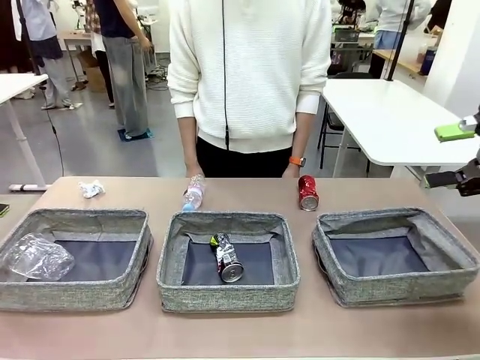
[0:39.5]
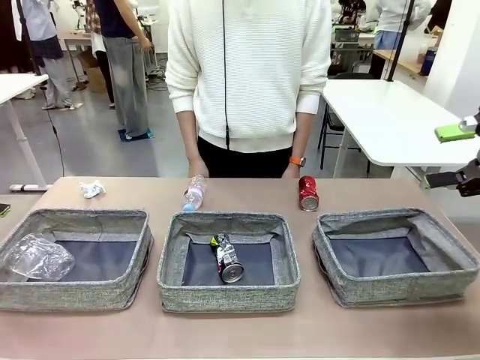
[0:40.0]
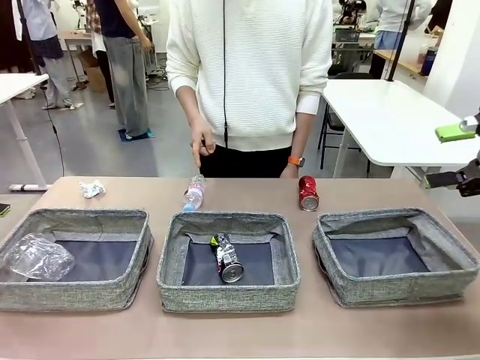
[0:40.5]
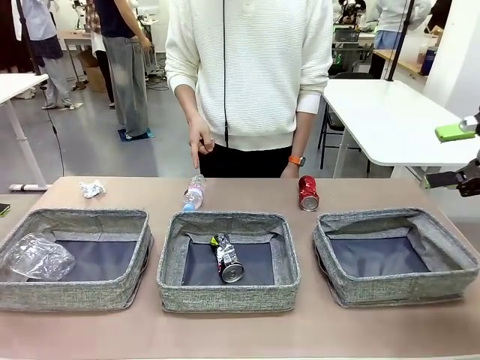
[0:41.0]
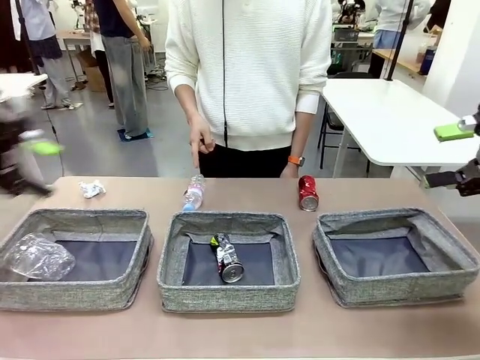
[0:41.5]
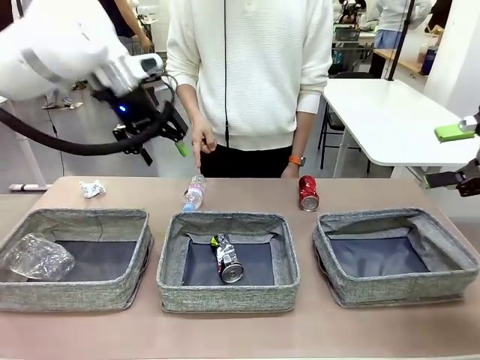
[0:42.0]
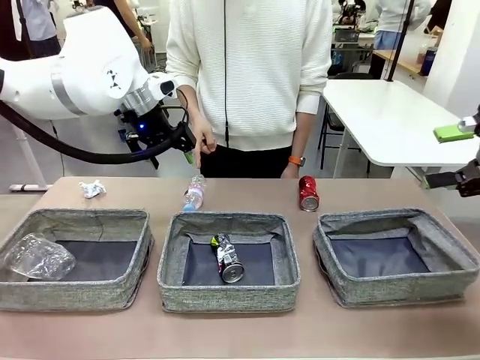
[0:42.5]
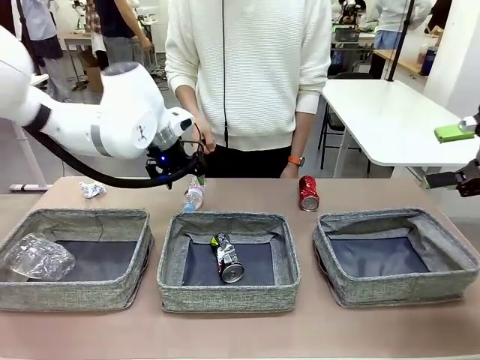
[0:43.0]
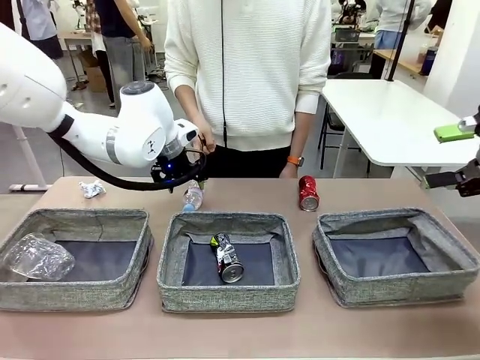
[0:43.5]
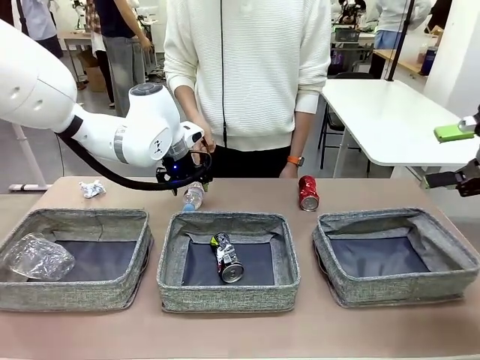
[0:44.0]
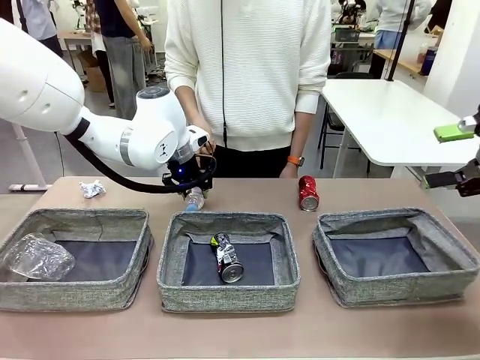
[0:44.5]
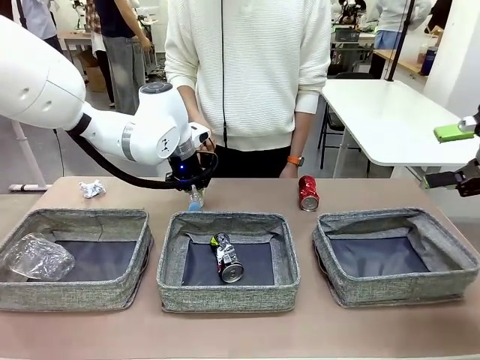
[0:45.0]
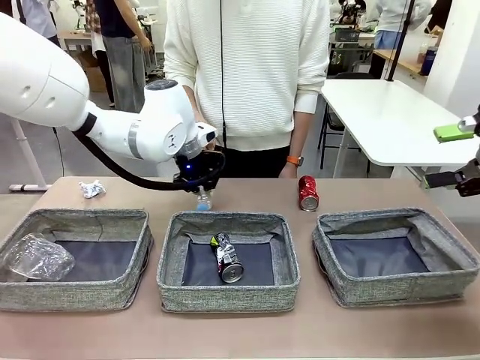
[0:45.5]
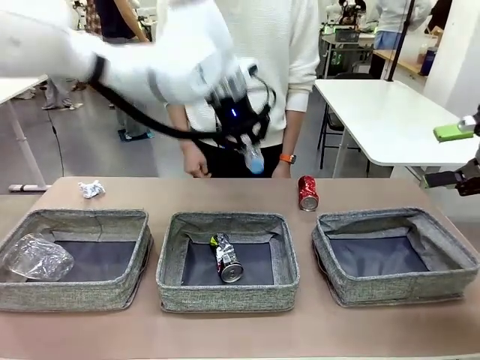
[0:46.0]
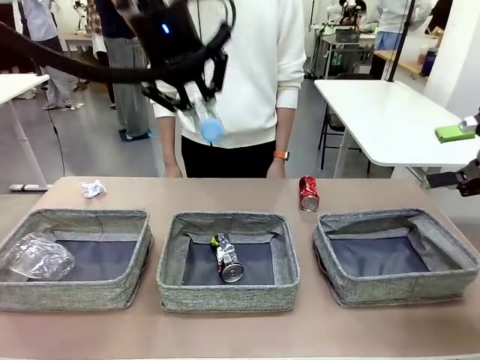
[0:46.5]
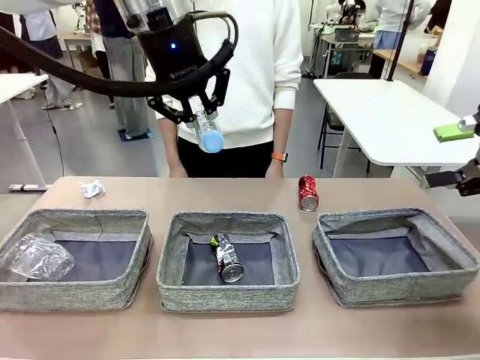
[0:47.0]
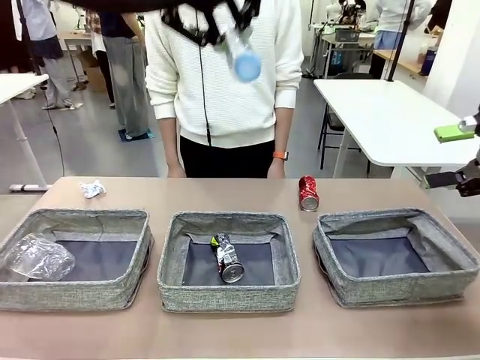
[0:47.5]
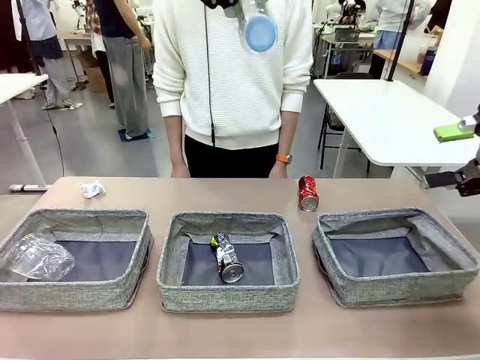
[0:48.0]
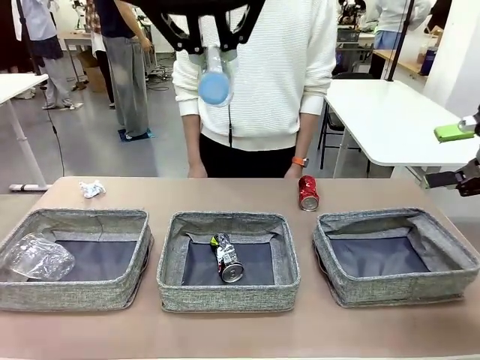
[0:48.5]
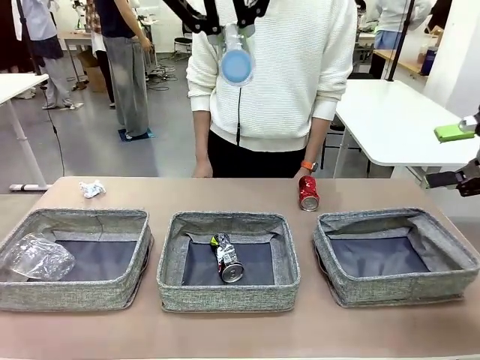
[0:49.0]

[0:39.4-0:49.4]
Task: Sort the waste into the appropriate baskets.
Robot: Pick up the waste item pointed out by the person.
Person: Points to one piece of trash on the table.

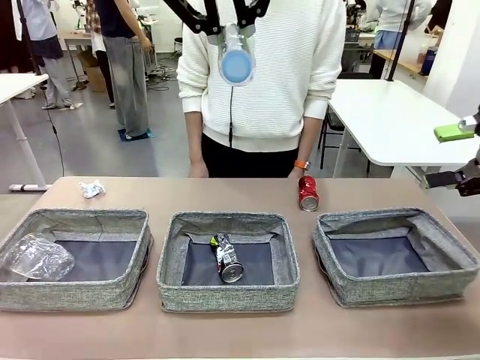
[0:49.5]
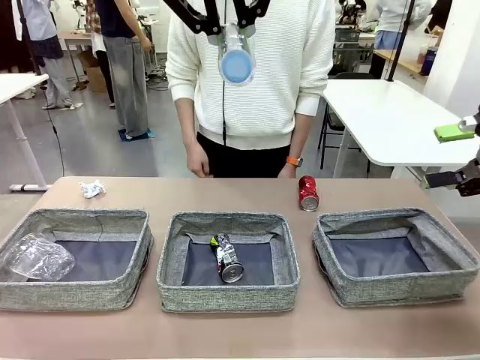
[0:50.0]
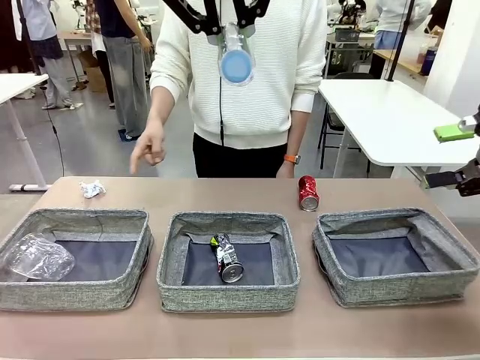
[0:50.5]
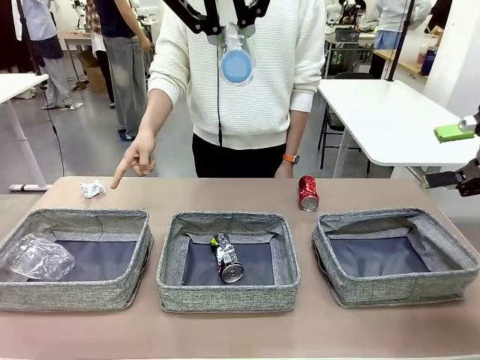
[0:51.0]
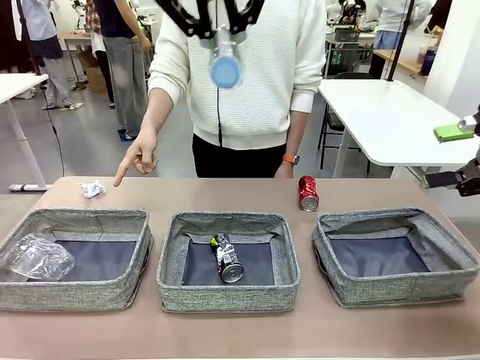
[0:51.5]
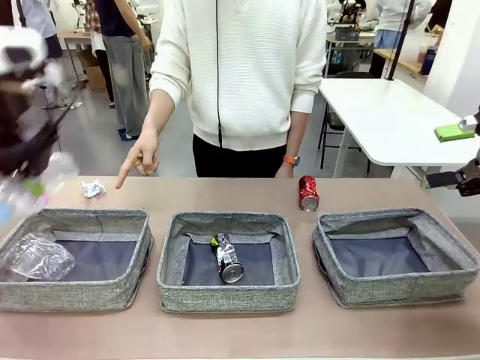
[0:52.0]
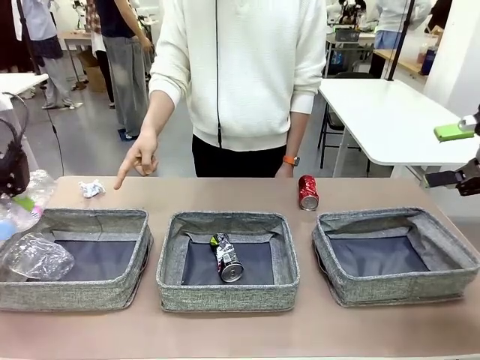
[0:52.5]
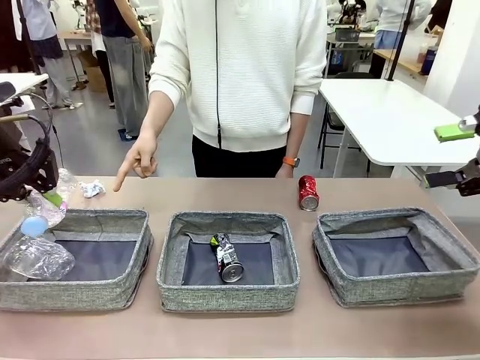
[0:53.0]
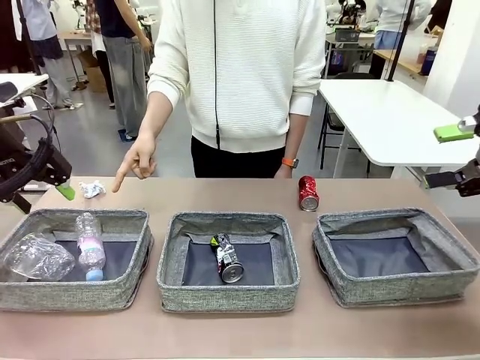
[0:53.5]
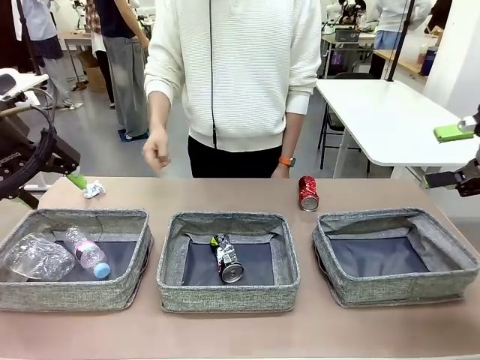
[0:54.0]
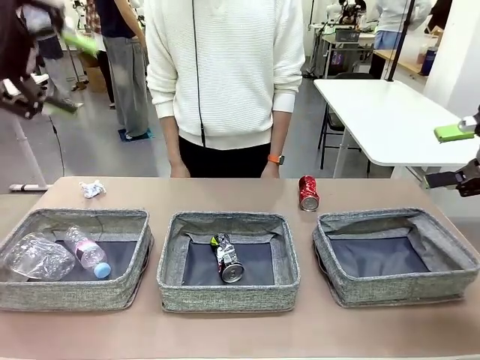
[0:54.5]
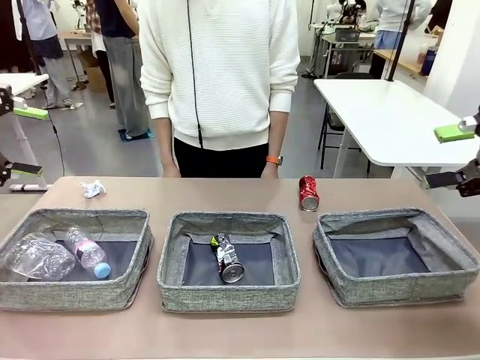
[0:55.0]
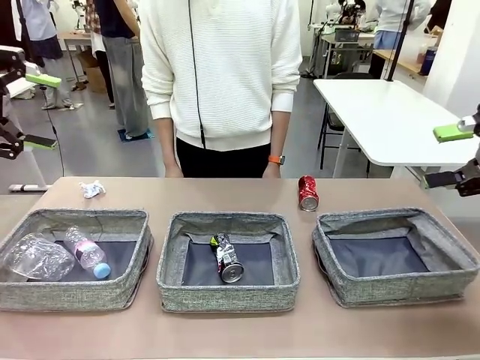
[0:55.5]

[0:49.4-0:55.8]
Robot: Place the picked waste into the Fabric basket indicated by the person.
Person: Instructs the robot to place the picked-up trash into the appropriate organizing basket.

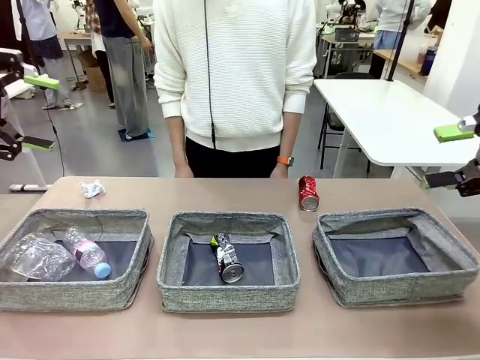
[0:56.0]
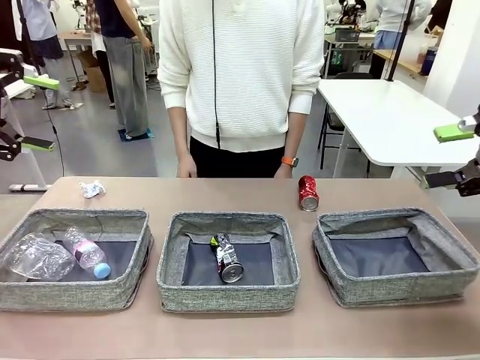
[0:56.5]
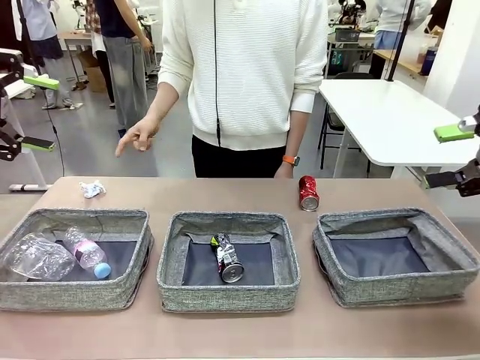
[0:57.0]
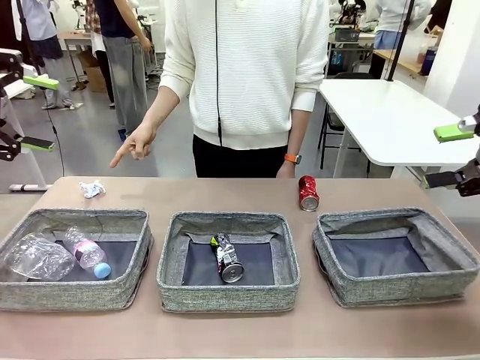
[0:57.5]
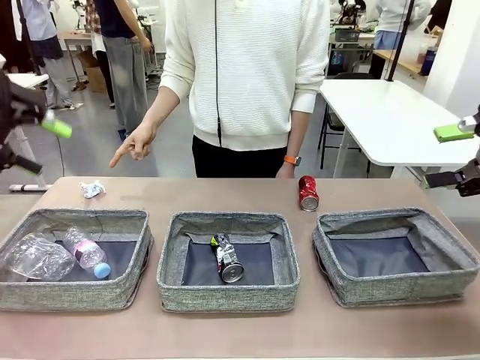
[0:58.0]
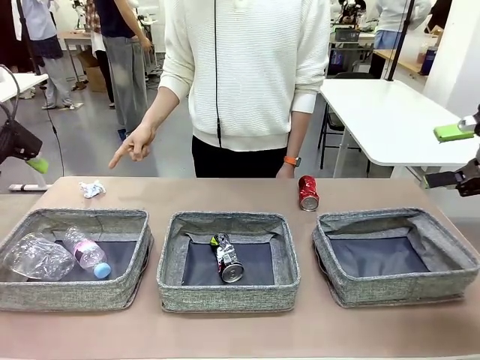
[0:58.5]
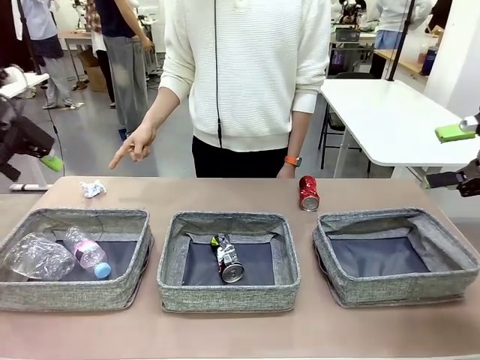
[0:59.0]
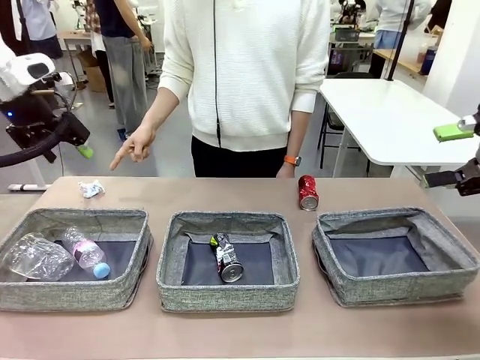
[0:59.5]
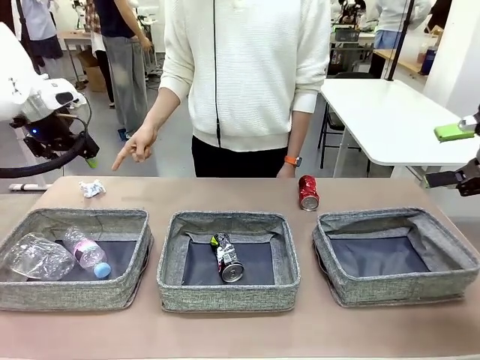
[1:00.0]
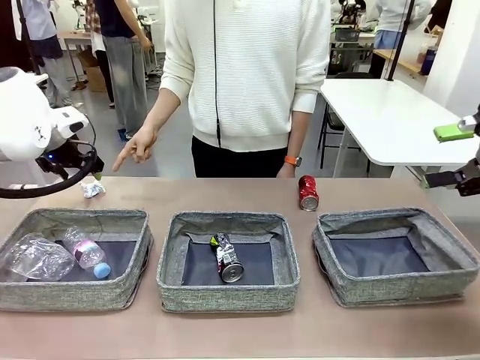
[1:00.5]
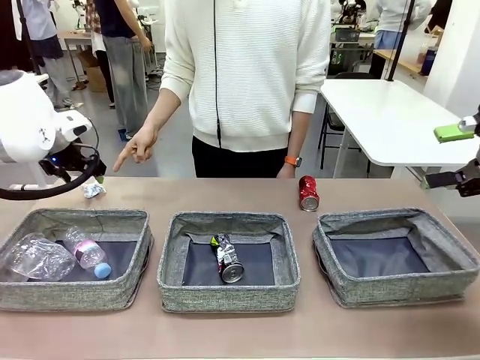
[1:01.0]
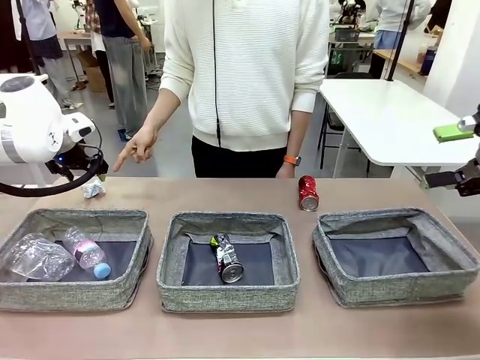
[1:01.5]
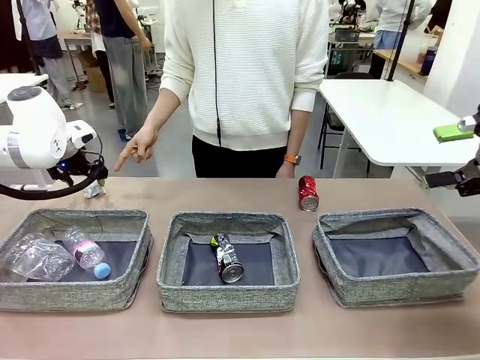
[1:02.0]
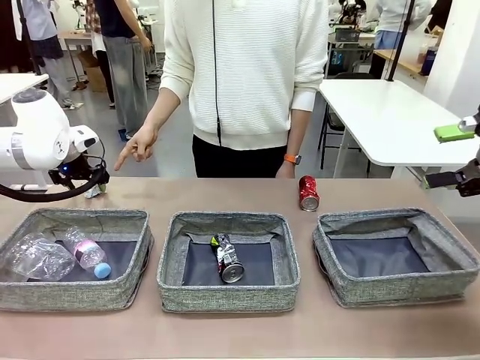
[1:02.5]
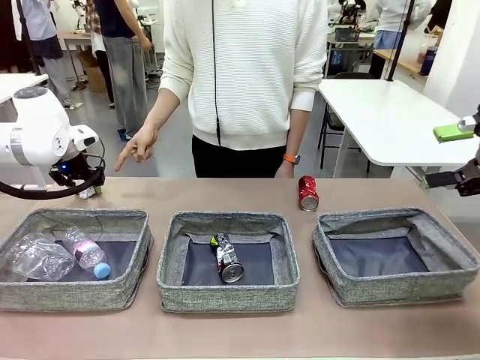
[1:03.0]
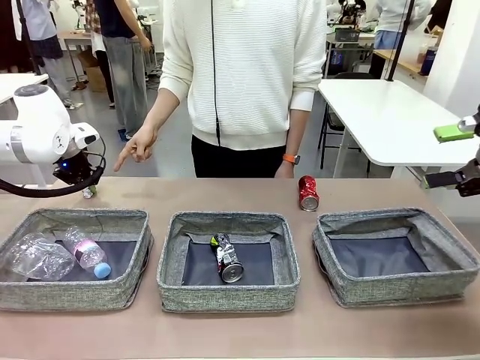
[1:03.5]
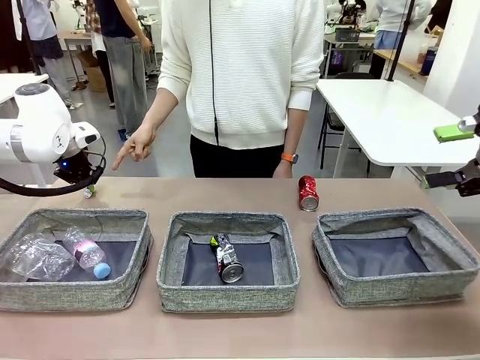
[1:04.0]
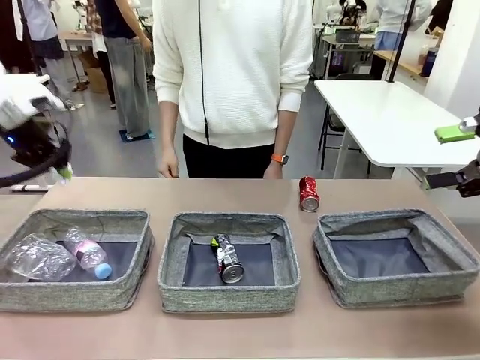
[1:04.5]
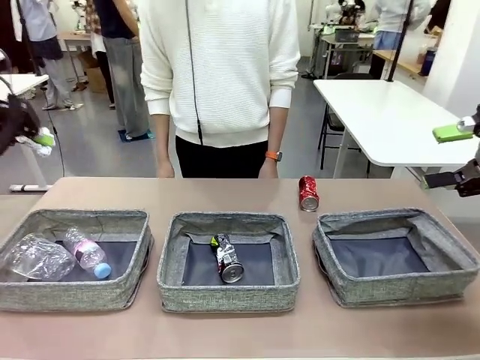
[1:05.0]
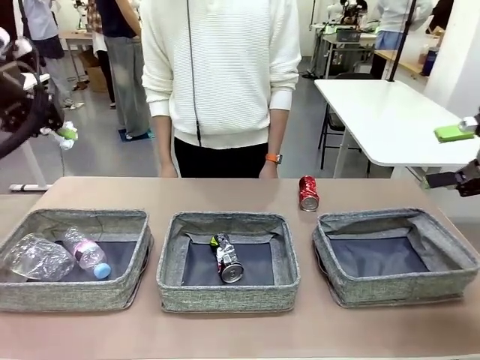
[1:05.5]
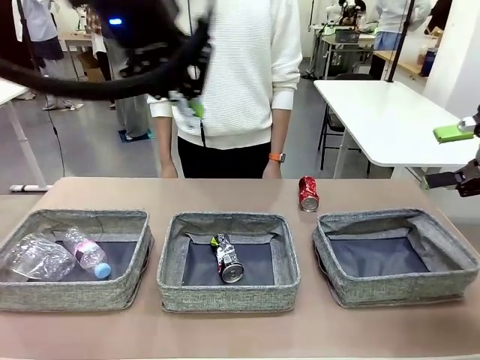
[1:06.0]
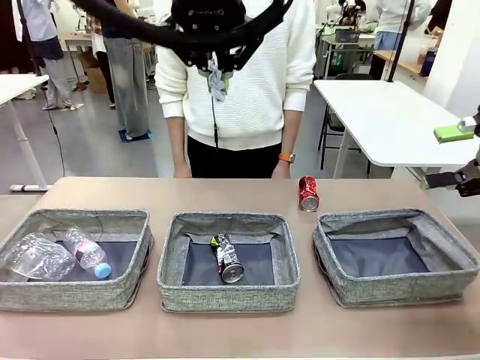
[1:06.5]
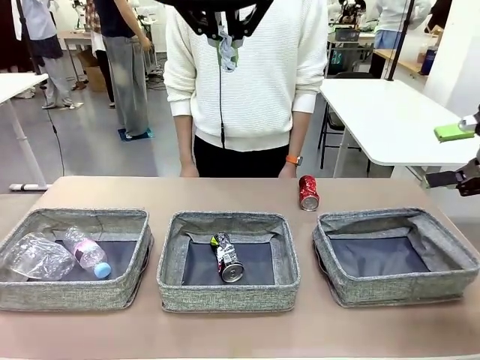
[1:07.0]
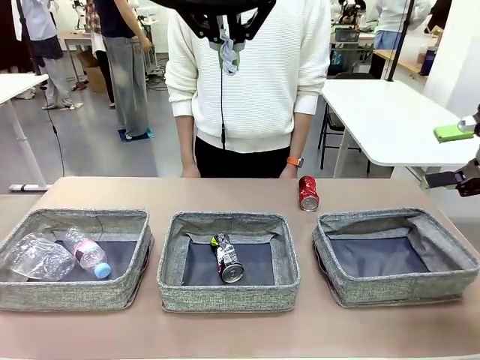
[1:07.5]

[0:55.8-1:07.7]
Robot: Pick up the waste item pointed out by the person.
Person: Points to one piece of trash on the table.
